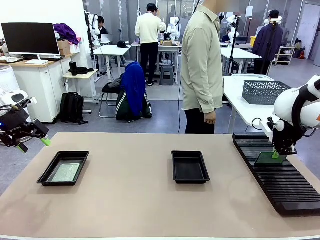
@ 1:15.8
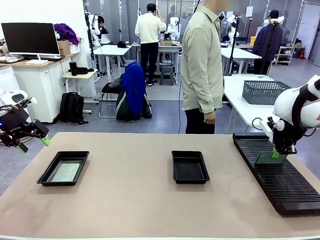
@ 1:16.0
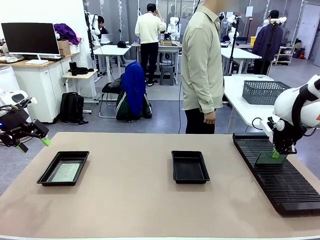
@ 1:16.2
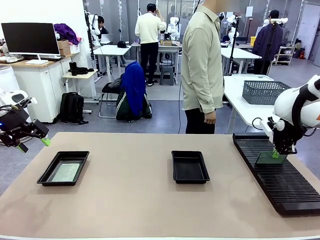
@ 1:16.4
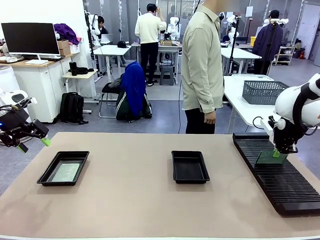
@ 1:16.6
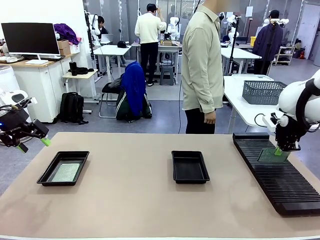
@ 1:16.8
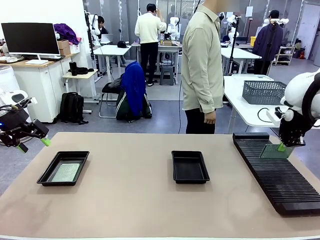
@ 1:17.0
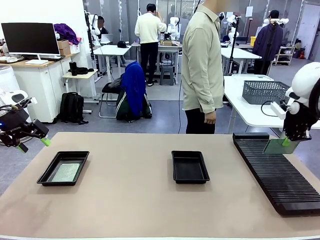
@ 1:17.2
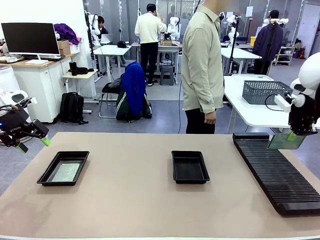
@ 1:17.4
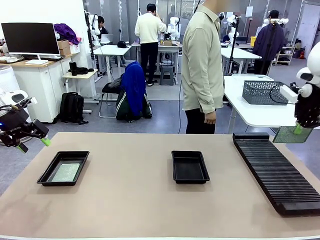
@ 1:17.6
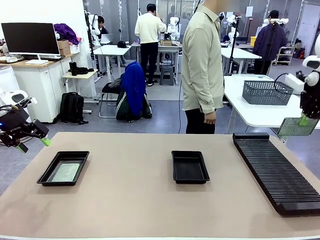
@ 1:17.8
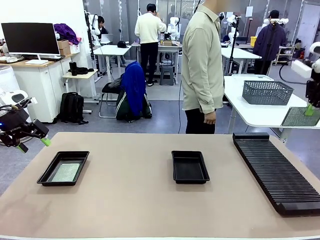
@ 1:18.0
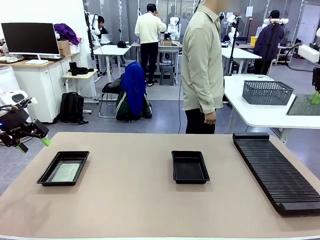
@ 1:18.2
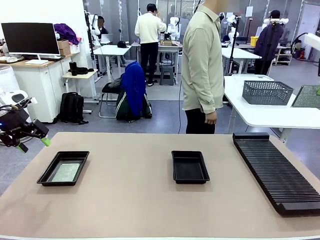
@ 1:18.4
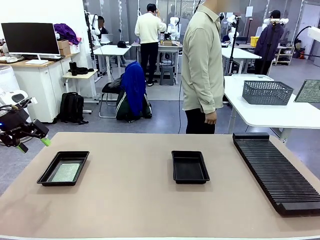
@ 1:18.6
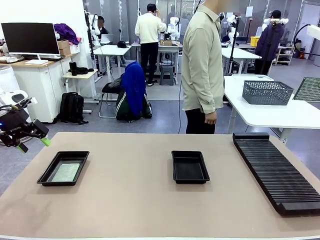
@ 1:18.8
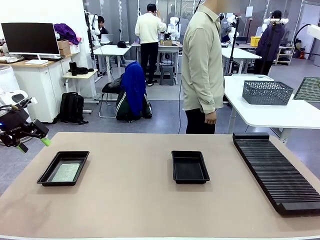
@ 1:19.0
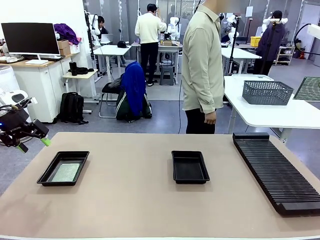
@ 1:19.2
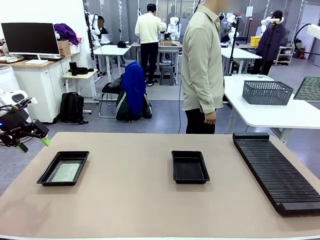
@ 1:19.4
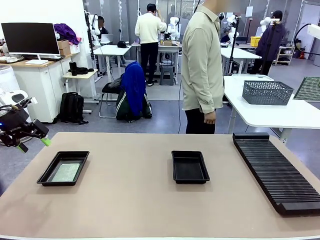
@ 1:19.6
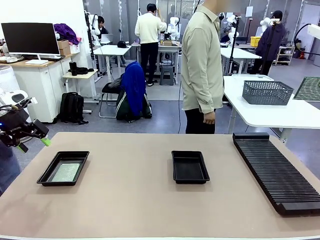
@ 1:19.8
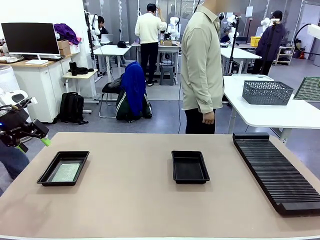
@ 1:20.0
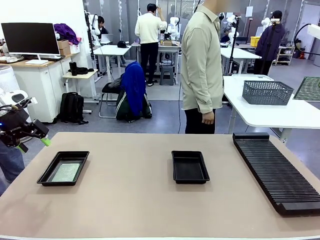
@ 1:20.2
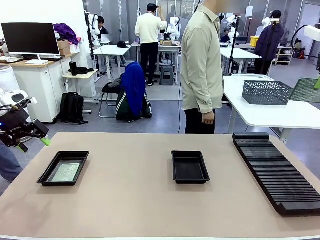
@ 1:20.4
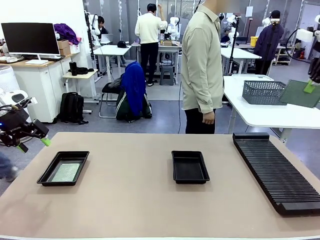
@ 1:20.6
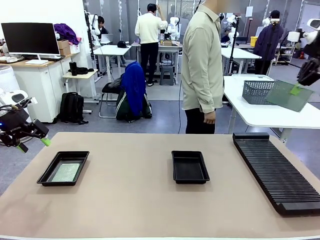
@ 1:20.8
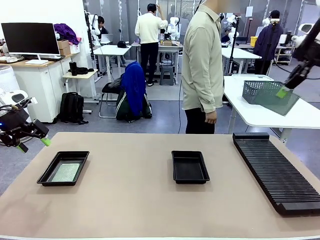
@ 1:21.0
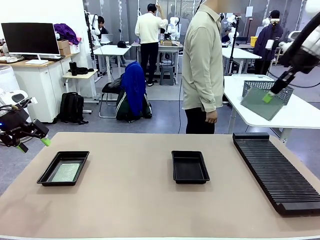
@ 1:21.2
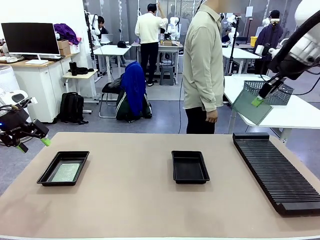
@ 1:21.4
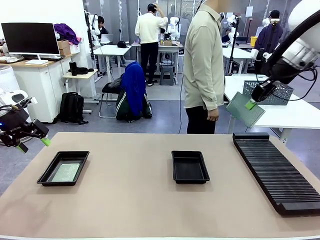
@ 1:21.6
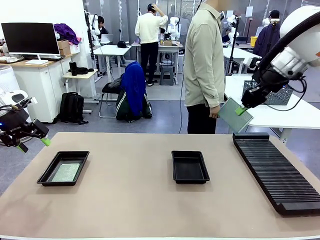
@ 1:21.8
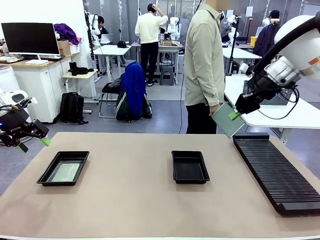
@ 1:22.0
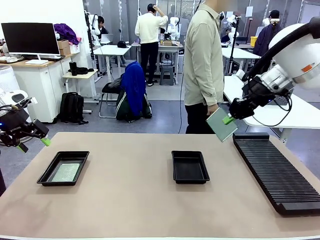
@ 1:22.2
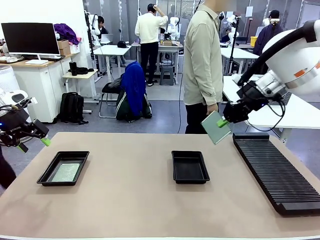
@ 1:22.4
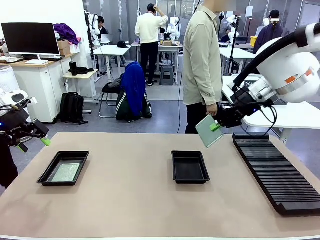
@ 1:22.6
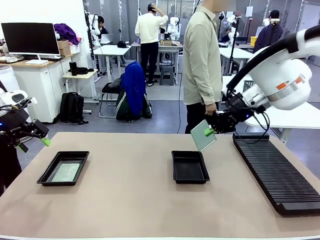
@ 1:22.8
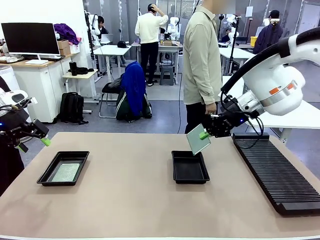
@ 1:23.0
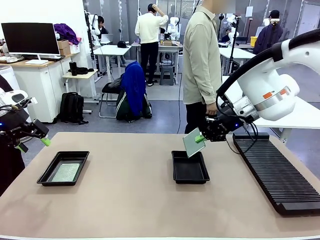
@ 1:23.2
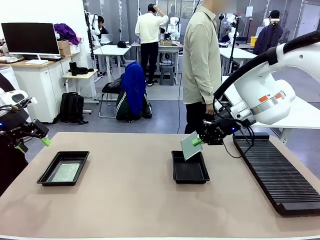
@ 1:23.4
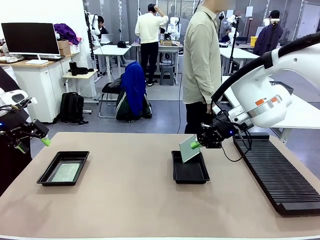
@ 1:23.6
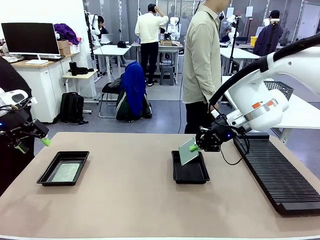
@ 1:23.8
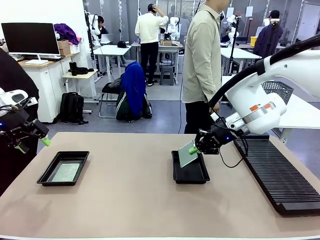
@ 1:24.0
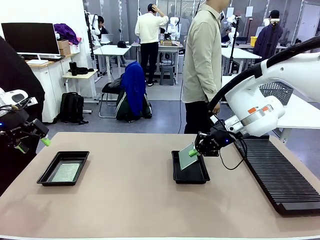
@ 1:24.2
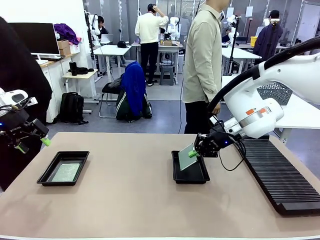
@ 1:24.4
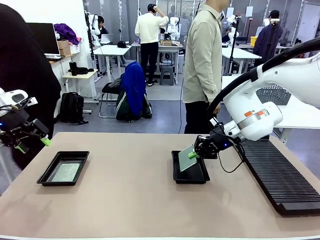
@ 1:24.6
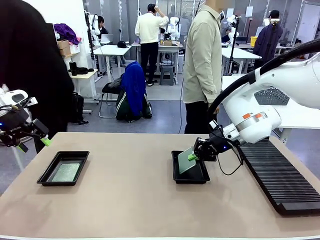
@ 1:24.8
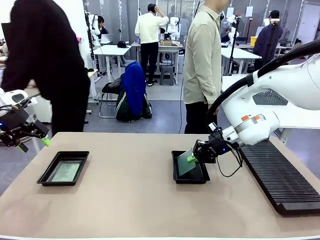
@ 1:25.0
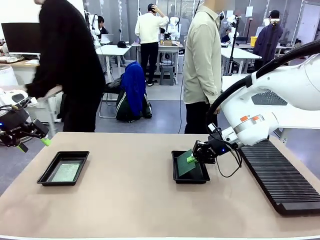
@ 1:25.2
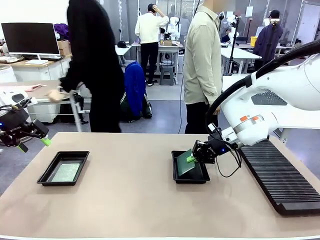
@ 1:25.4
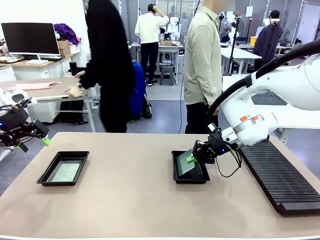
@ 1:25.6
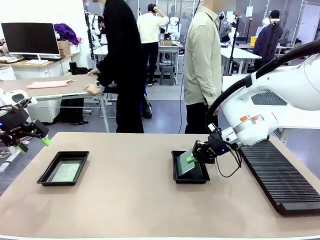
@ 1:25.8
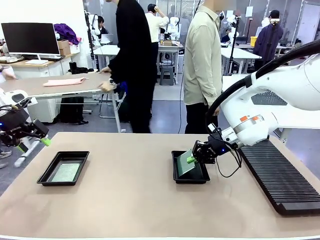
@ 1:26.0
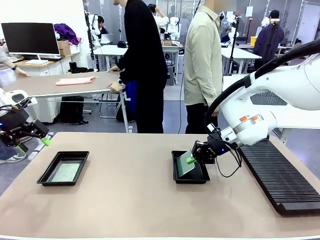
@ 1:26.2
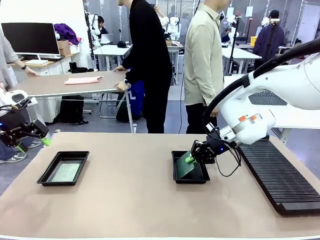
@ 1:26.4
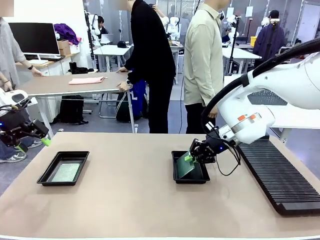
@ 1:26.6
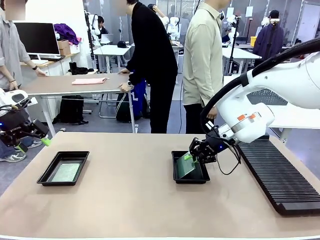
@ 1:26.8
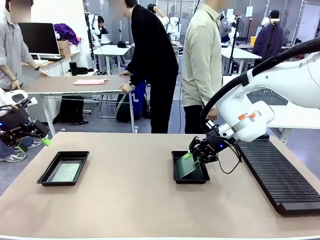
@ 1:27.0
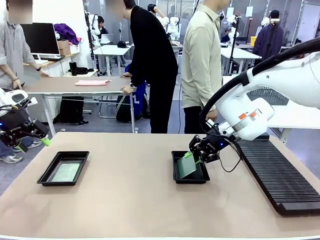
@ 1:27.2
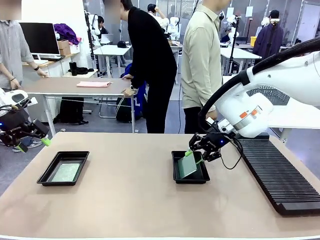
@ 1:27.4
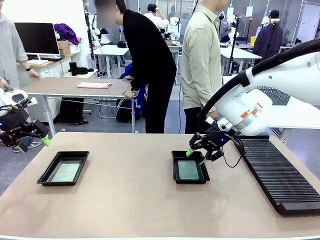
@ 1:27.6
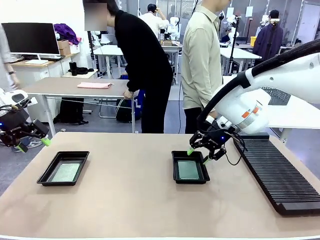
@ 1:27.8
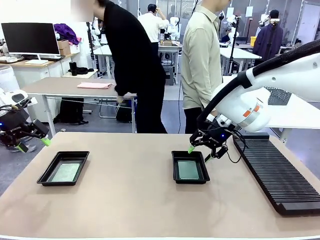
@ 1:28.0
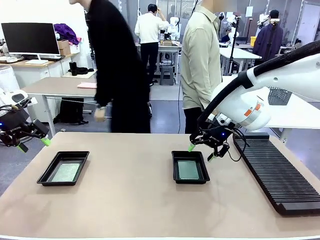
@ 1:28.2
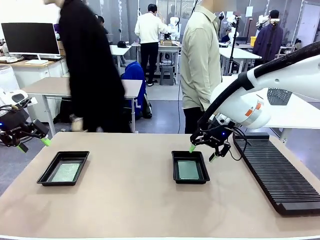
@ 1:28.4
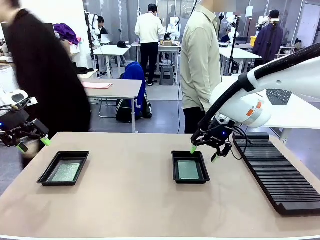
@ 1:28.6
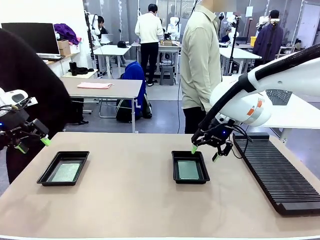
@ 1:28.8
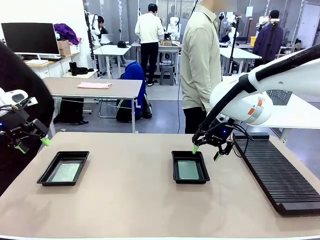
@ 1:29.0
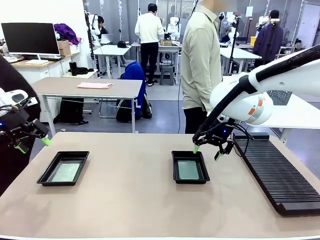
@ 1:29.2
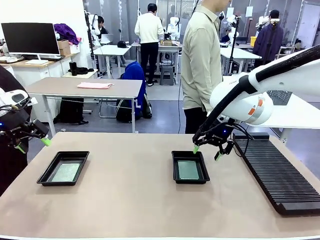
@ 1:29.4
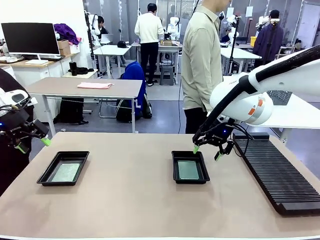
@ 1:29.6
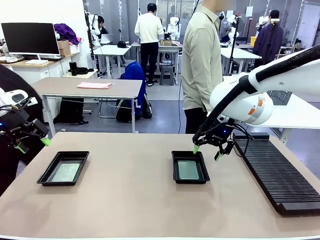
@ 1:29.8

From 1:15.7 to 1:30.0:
Task: Inspect and transfer BCBs to ESD trays.
Robot: Pick up the Blank PCB from the PCB Rack and place it in the right ESD tray.
